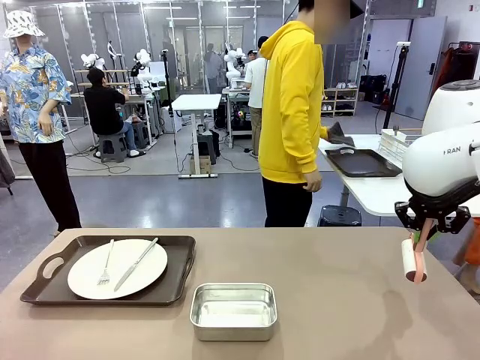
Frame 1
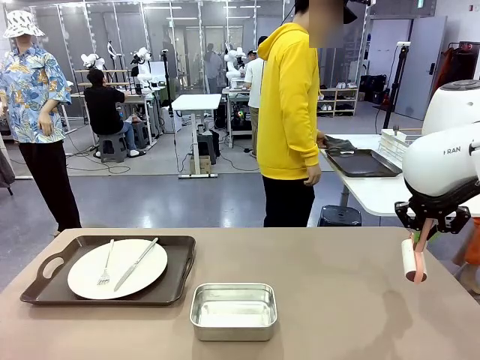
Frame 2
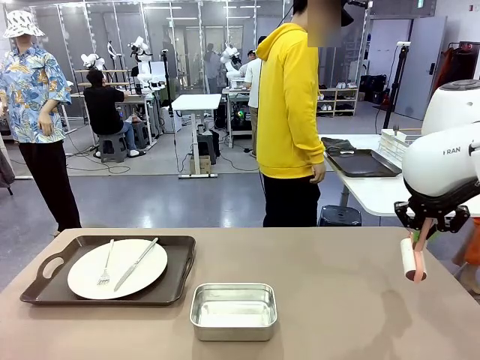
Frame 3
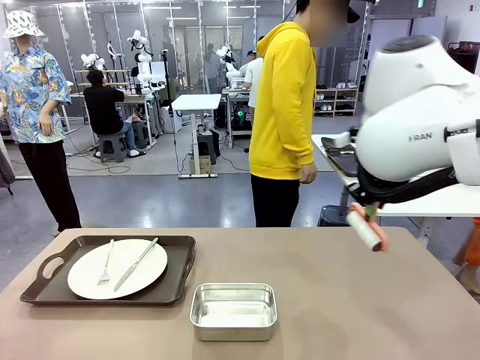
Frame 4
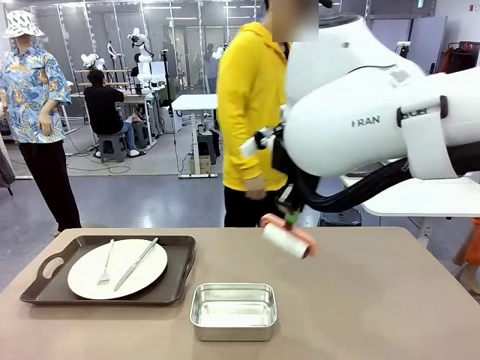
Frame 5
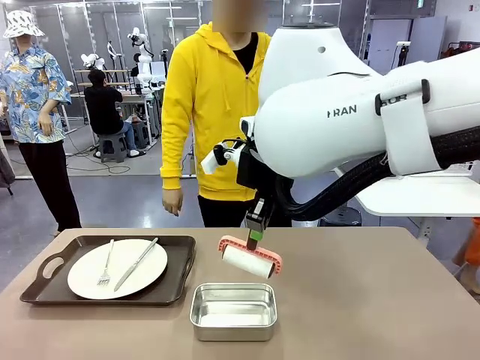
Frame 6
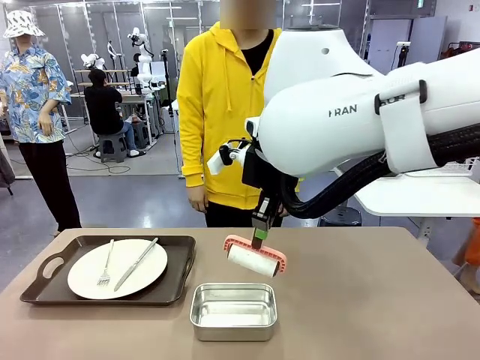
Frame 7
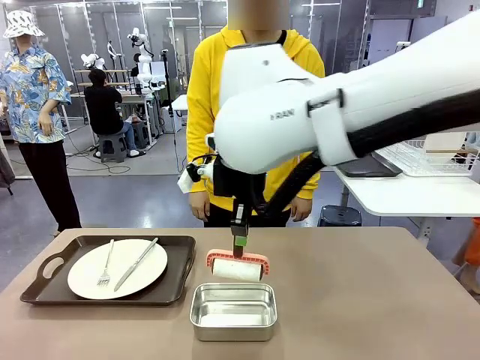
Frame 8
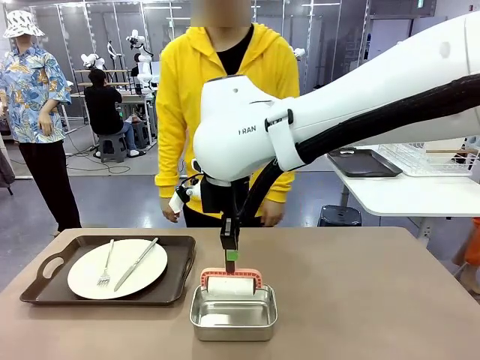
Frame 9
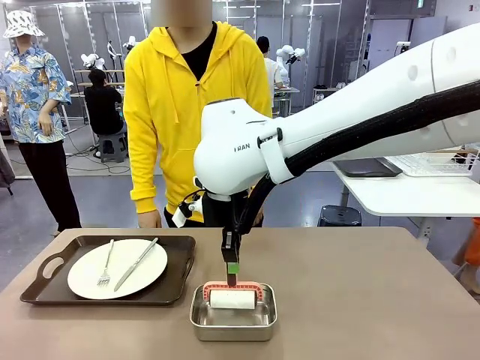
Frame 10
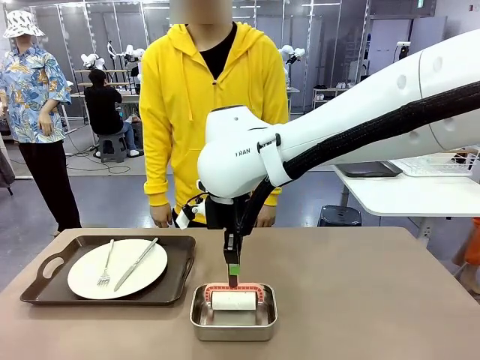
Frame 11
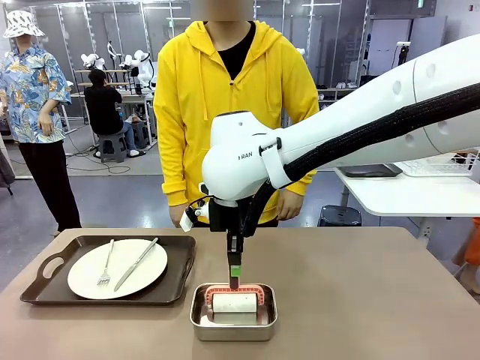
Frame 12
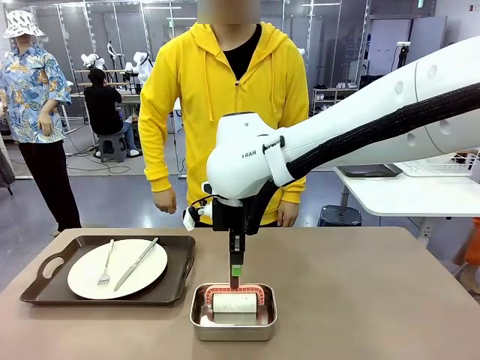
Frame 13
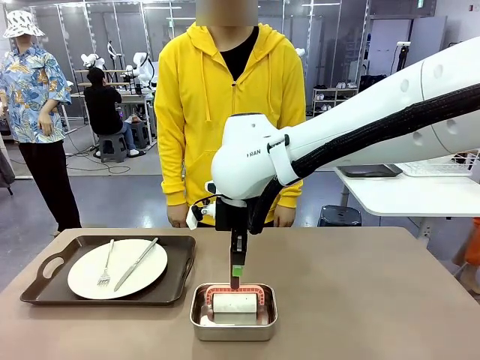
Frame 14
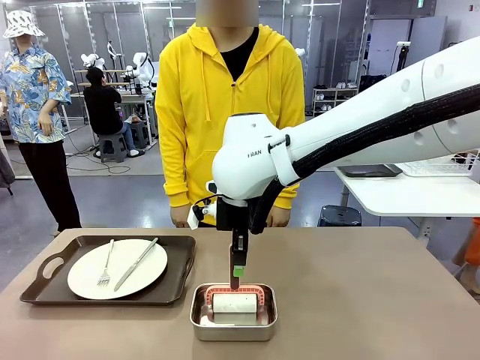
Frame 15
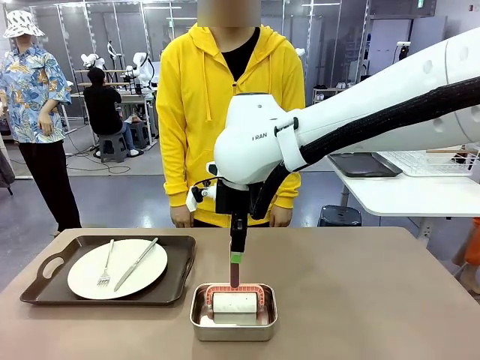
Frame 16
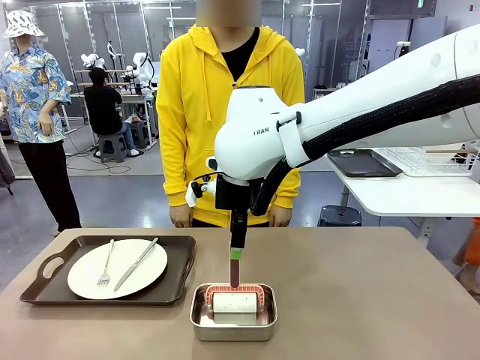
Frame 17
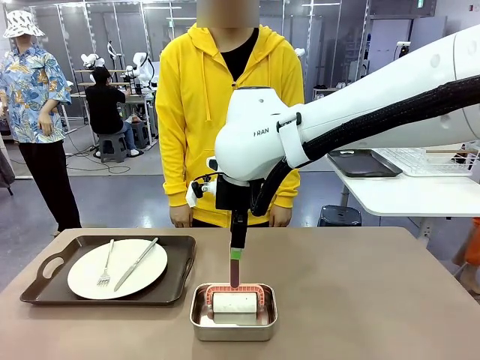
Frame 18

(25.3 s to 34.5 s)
Robot: Place the Lint Roller back on top of the Airtight Container.

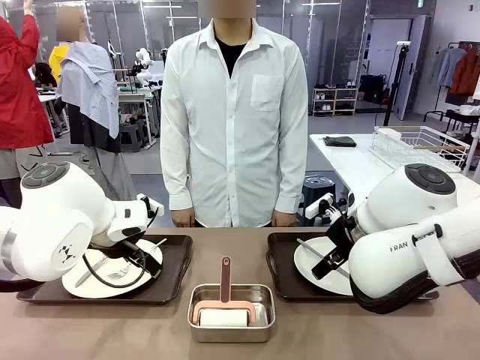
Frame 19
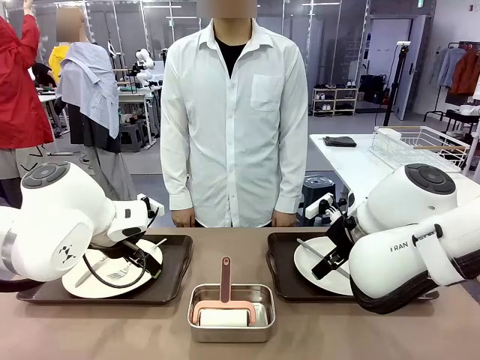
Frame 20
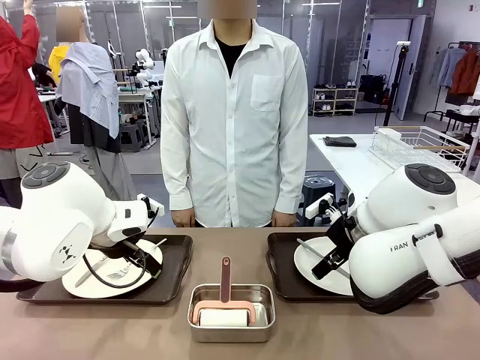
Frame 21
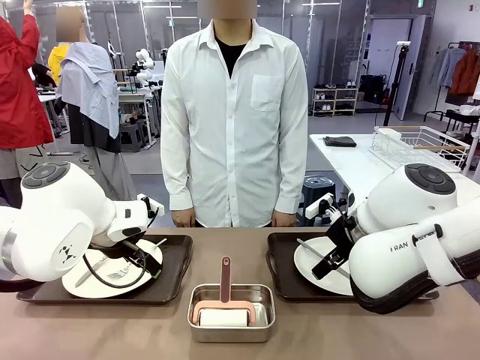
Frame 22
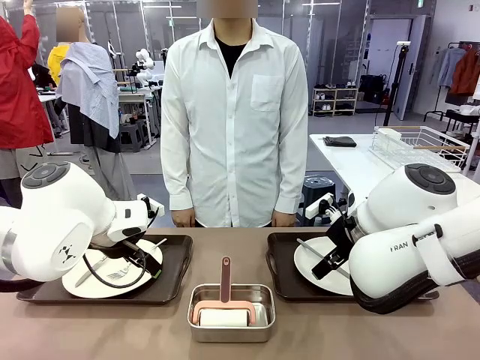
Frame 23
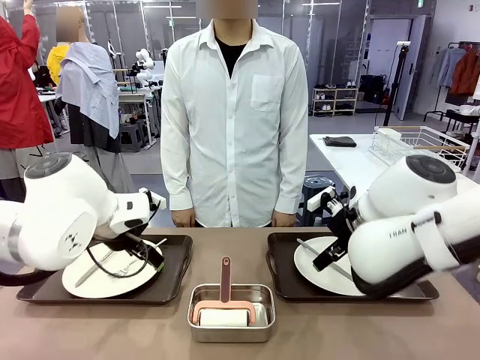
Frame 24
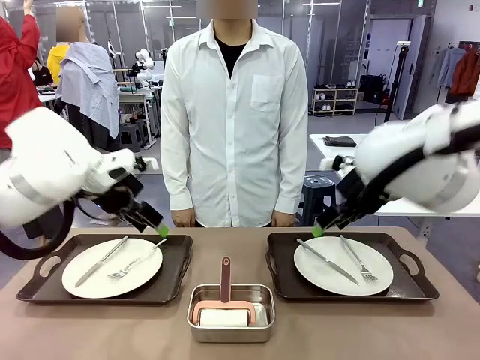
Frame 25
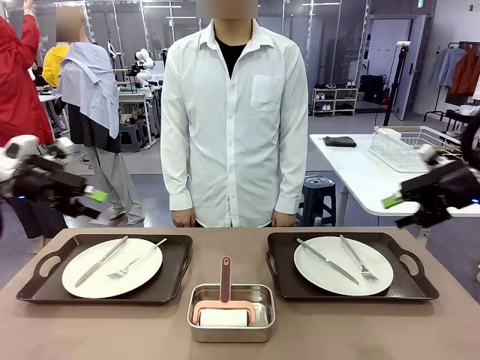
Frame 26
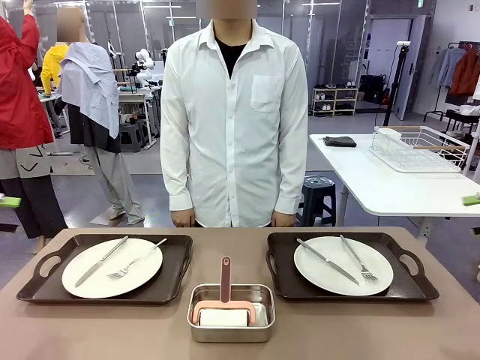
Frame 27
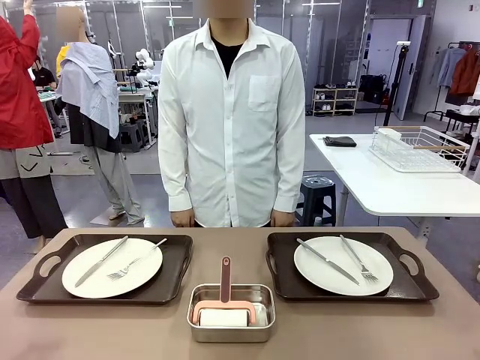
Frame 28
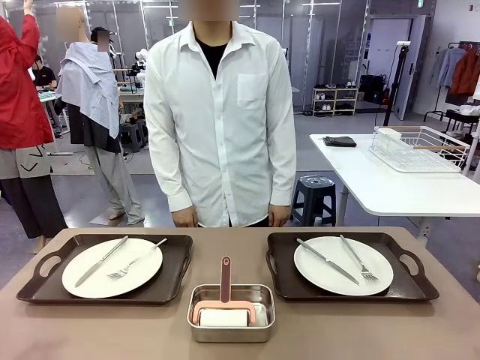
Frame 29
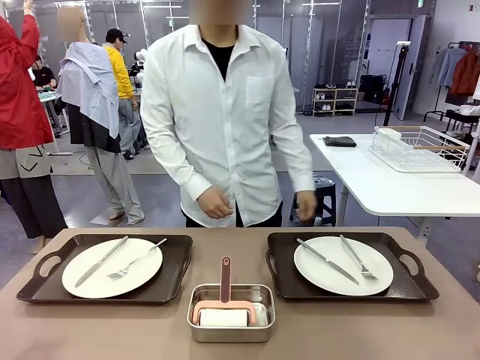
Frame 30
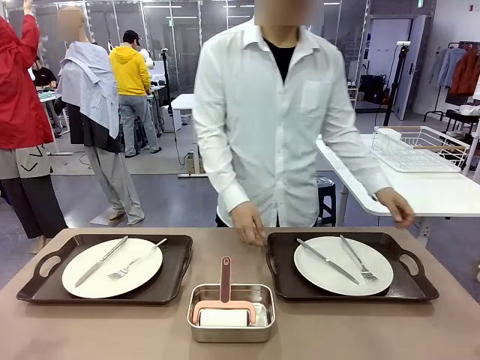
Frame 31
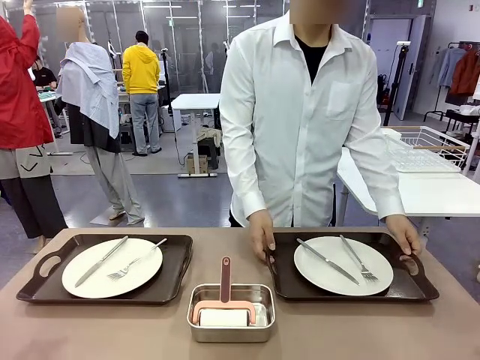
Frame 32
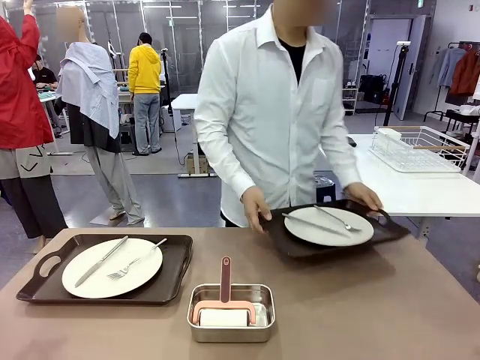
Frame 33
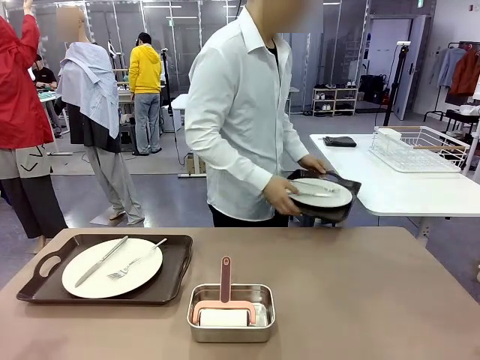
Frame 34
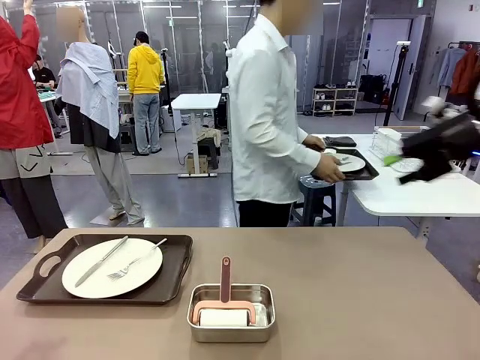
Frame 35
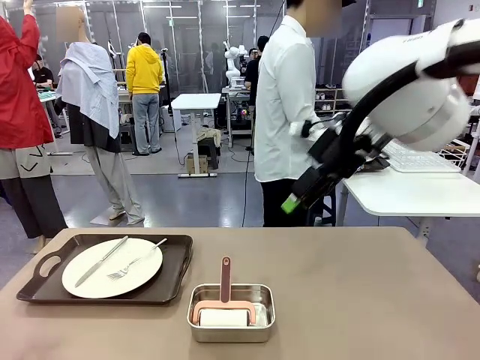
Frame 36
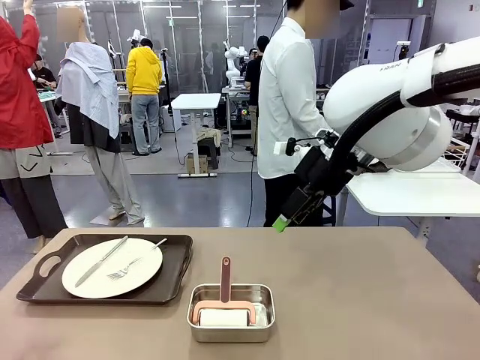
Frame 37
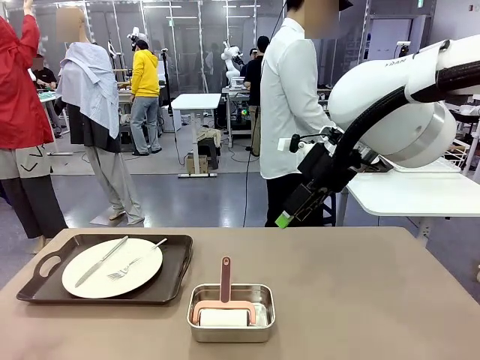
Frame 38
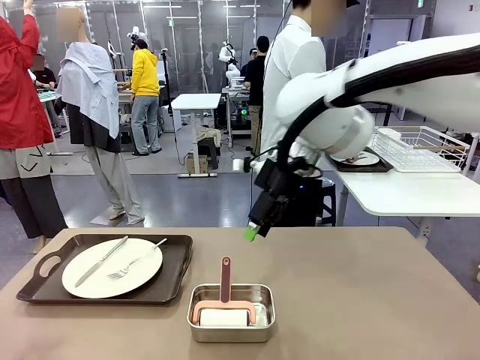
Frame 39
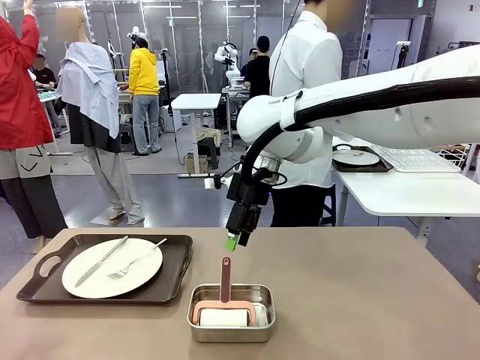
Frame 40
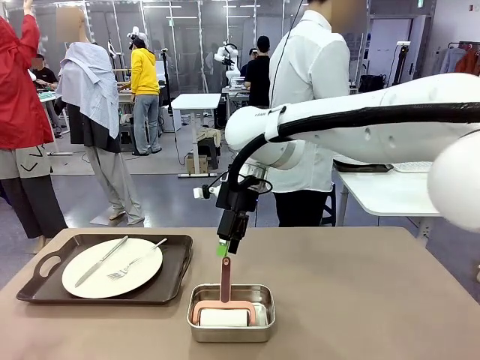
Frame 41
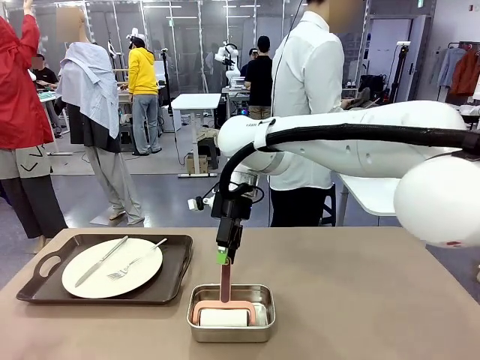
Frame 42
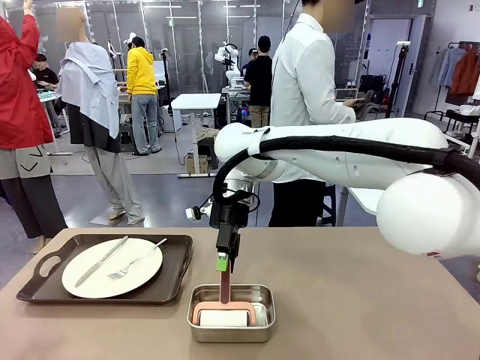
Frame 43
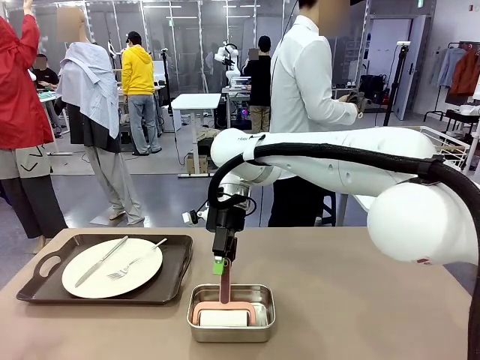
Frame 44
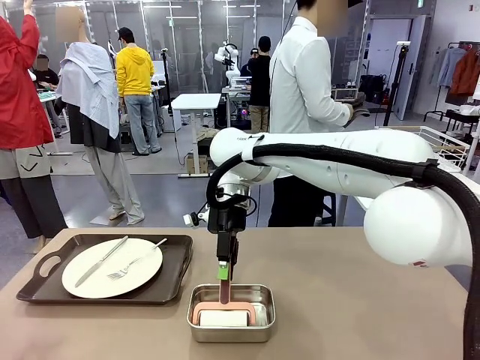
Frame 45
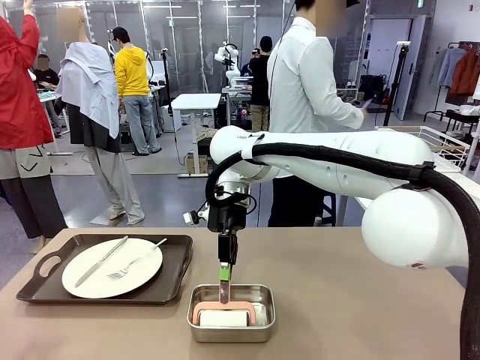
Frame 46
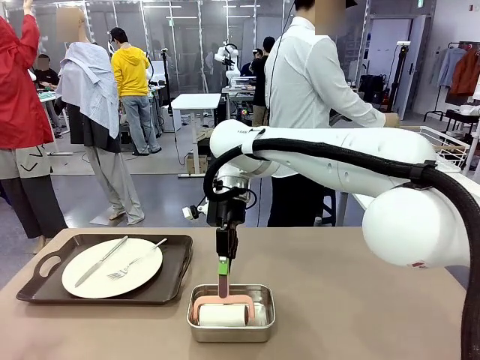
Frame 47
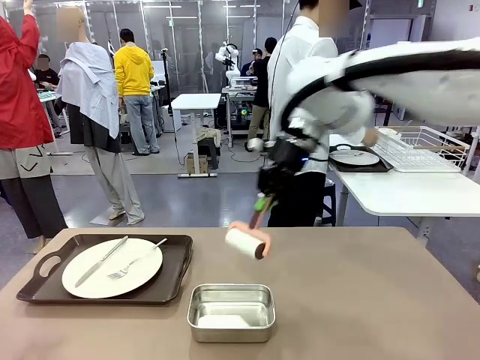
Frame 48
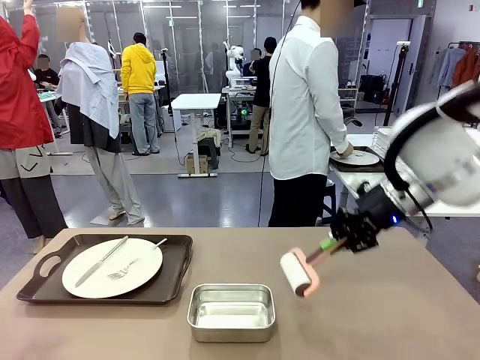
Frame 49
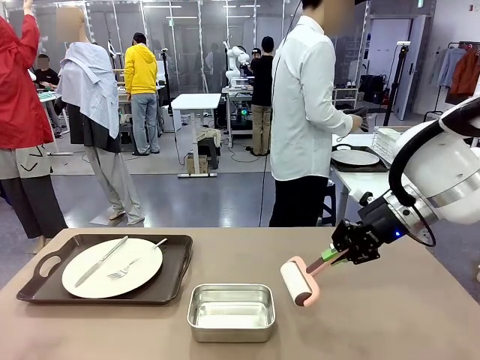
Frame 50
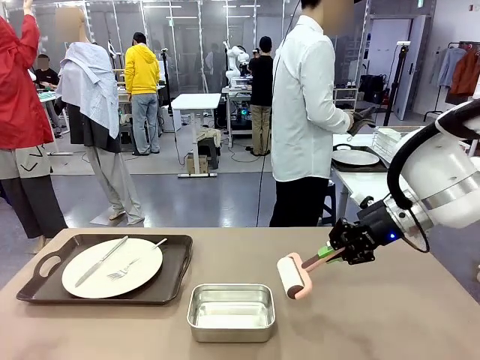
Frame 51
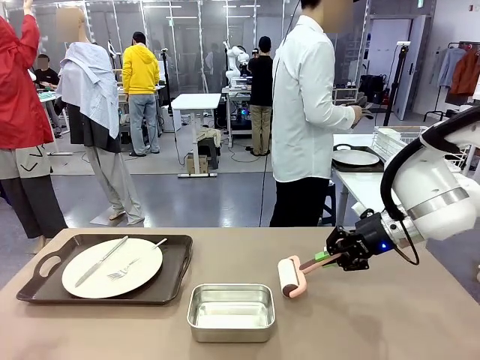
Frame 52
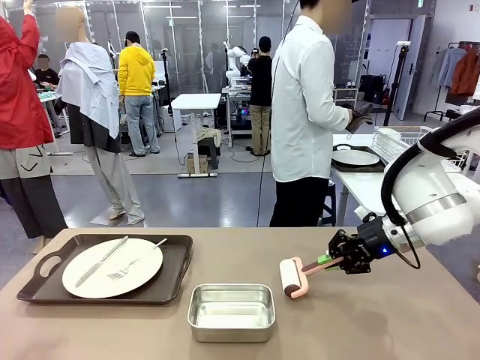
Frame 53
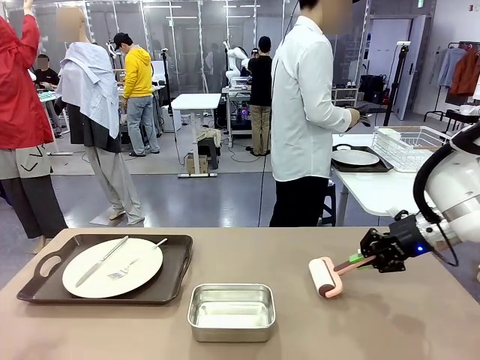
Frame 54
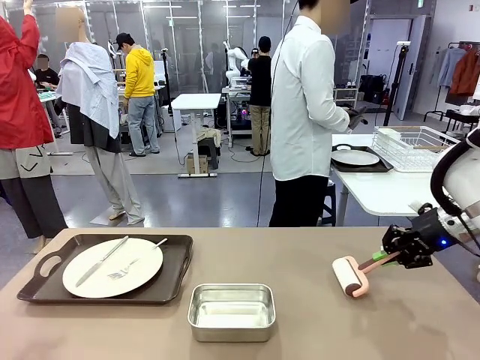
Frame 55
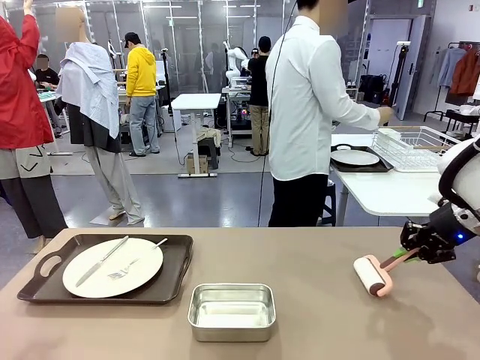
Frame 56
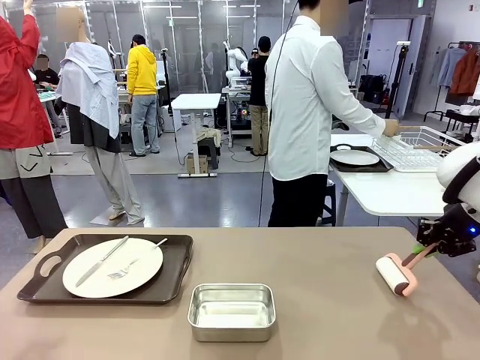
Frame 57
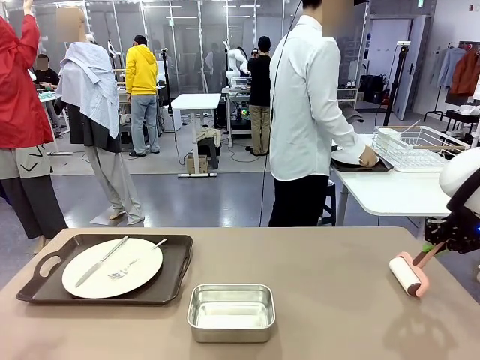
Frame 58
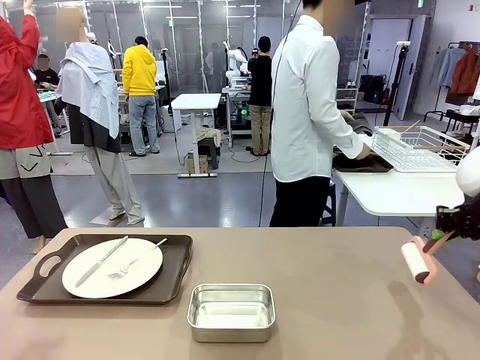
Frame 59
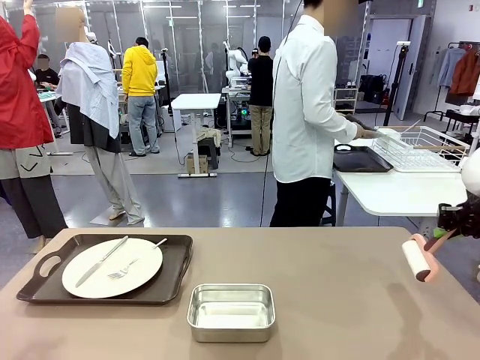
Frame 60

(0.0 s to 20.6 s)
Robot: When the left (or right) Handle tray is removed, use the left hand (or right hand) to clean the left (or right) side of the table with the Lint Roller.
Person: Pick up the left (or right) Handle tray and place it on the middle of the Human's table. Use the Towel with hook to wipe the Plastic Matte Plate , Fork , and Knife and place into the Dish drying rack.
